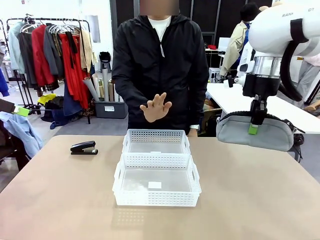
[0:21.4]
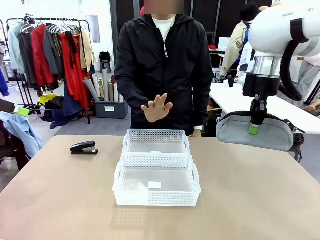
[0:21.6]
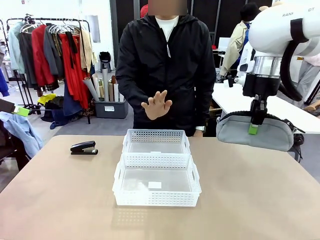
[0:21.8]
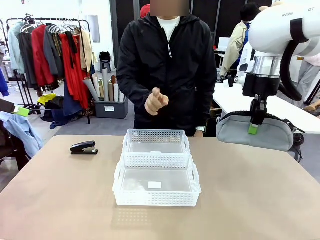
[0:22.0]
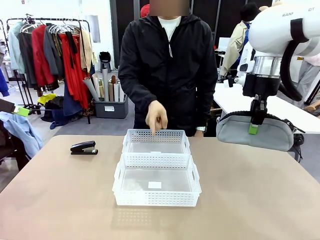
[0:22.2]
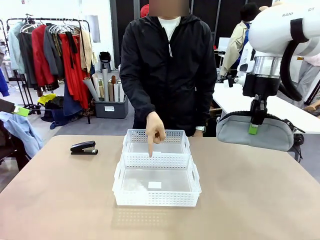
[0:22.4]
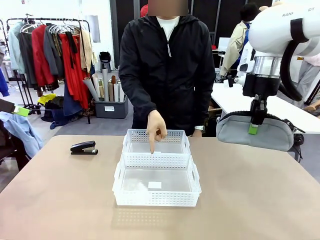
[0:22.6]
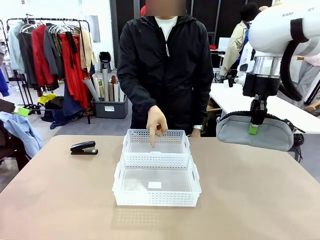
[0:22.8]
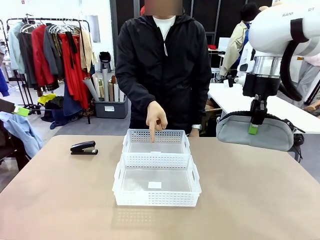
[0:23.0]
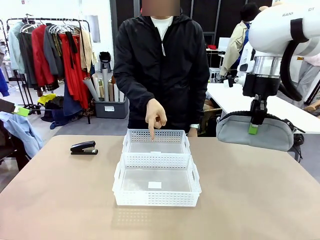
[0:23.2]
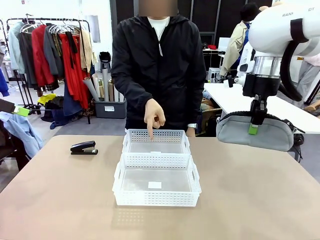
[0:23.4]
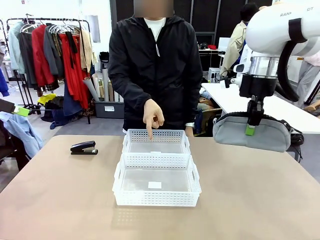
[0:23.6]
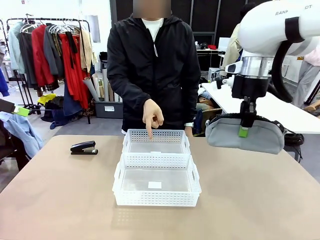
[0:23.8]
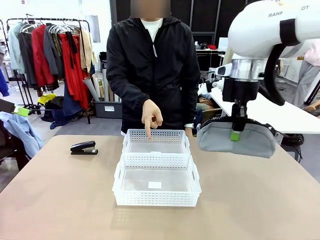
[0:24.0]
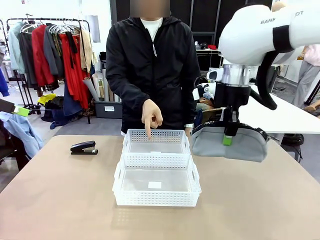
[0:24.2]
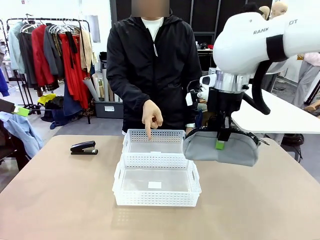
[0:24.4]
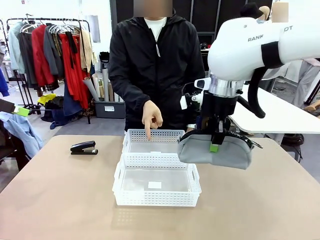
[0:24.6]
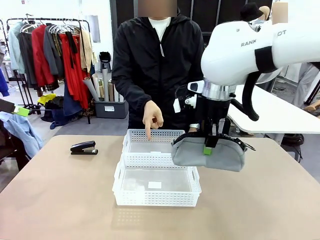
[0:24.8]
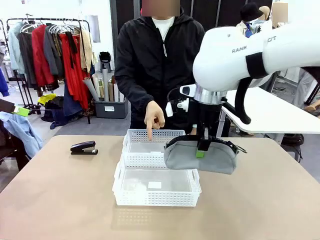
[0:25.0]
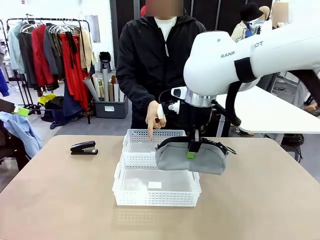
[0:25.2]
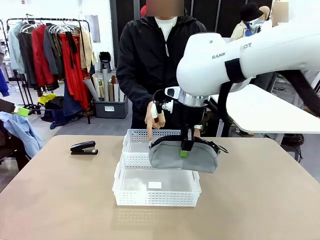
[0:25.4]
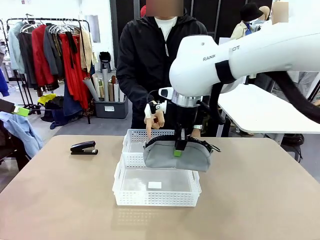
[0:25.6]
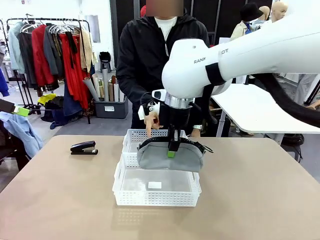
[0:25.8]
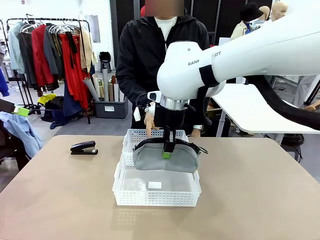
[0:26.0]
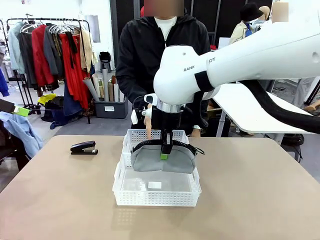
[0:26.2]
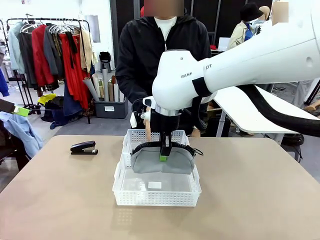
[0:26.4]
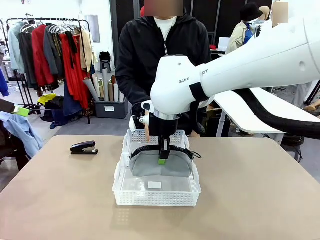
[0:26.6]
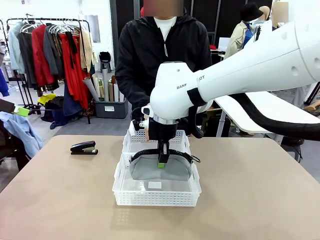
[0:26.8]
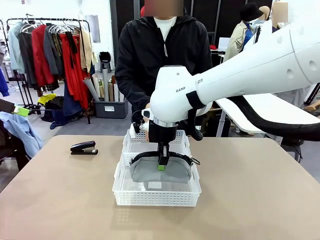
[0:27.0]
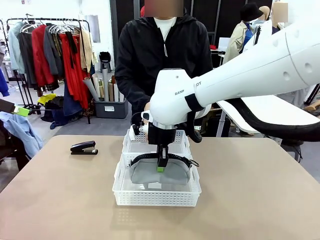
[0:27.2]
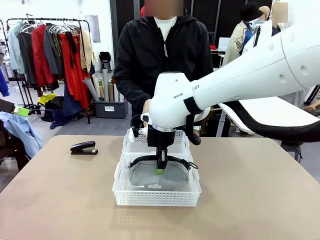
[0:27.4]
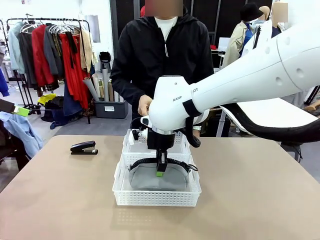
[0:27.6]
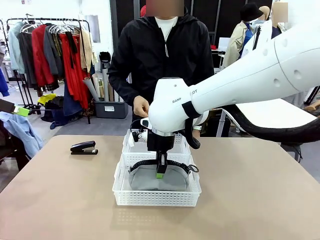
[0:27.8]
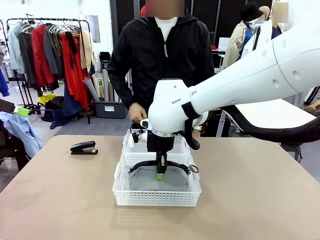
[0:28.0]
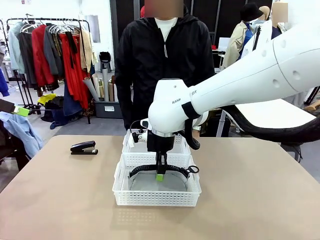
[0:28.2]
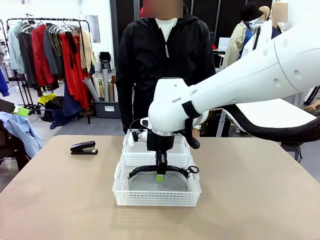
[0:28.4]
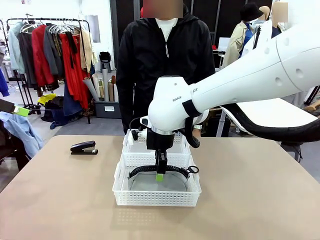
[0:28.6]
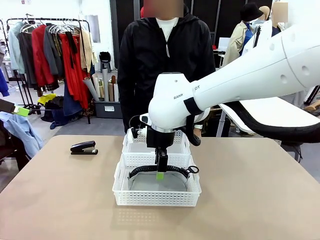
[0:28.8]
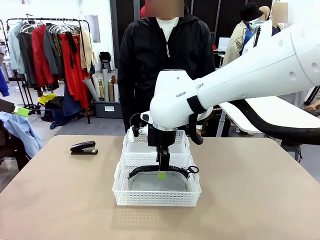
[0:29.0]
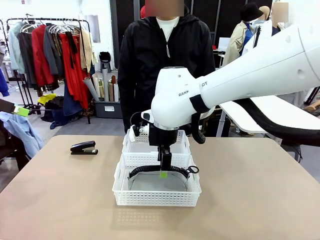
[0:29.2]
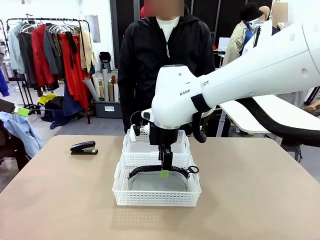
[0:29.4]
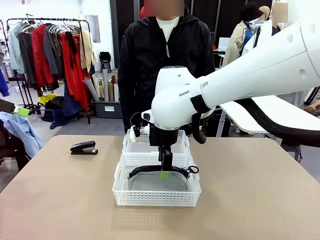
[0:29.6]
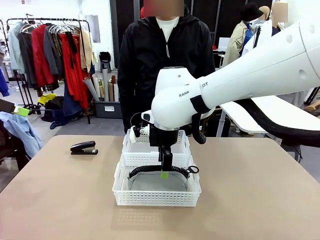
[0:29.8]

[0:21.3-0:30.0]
Task: Distribute items into two baskets.
Robot: Place the picked Pencil pouch into the Organizing basket as instructed by the person.
Person: Instructs the robot to place the pencil case into the opposite basket. Points to the stapler.

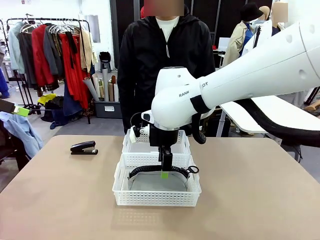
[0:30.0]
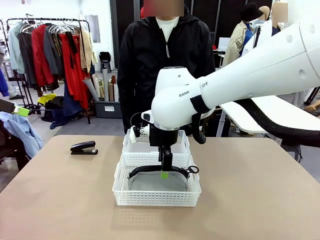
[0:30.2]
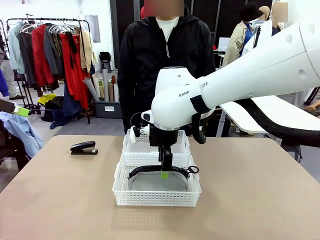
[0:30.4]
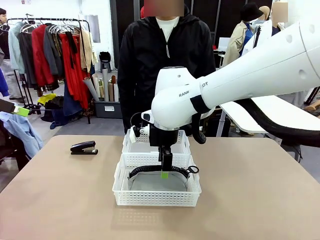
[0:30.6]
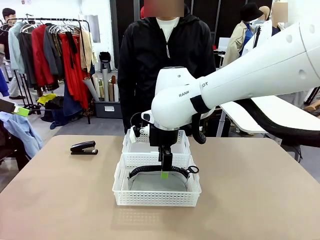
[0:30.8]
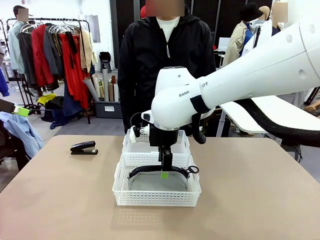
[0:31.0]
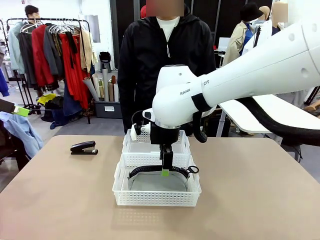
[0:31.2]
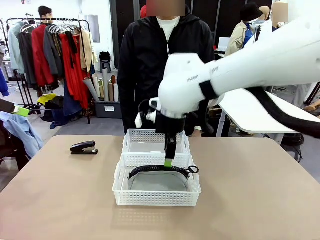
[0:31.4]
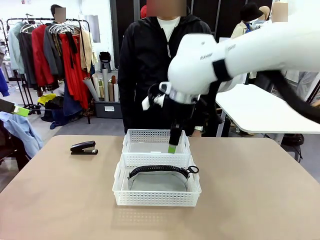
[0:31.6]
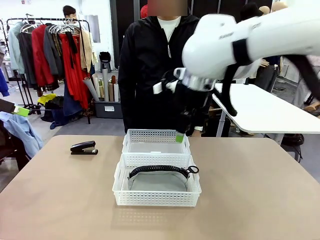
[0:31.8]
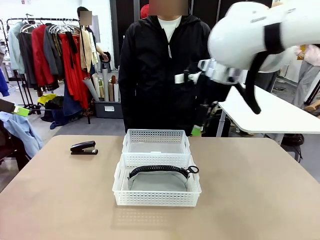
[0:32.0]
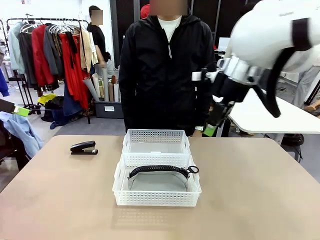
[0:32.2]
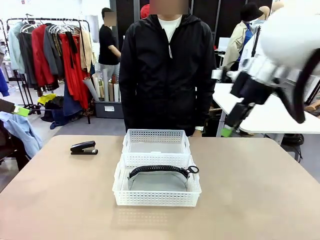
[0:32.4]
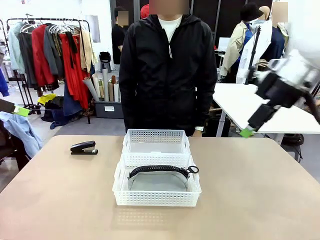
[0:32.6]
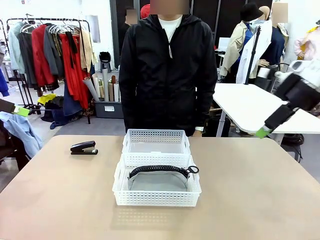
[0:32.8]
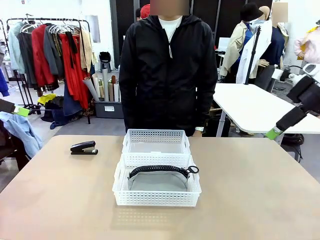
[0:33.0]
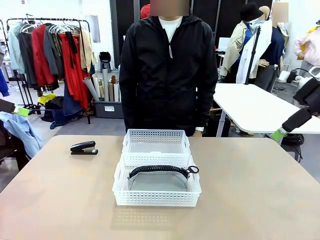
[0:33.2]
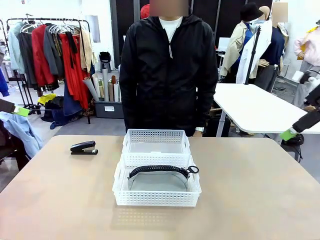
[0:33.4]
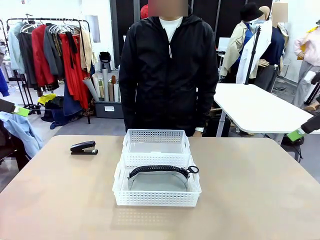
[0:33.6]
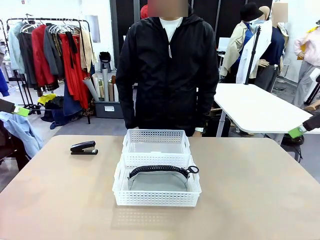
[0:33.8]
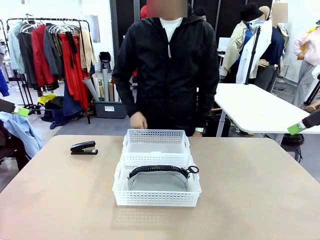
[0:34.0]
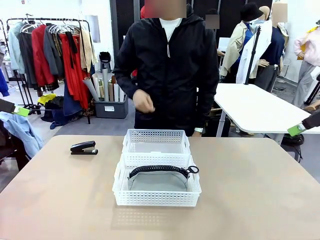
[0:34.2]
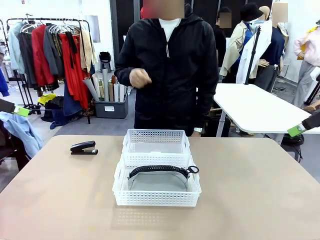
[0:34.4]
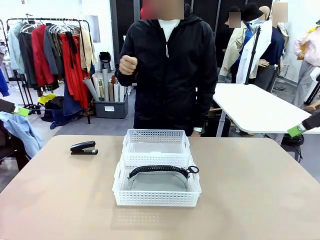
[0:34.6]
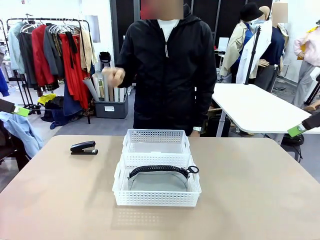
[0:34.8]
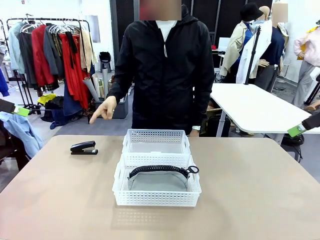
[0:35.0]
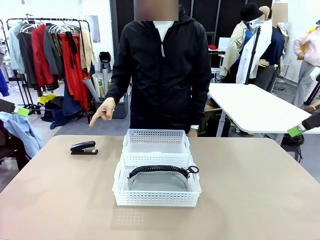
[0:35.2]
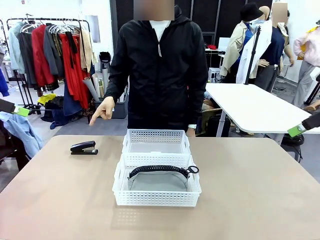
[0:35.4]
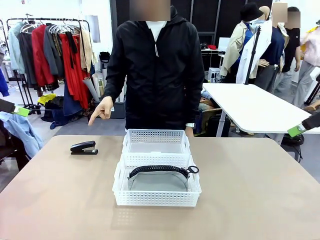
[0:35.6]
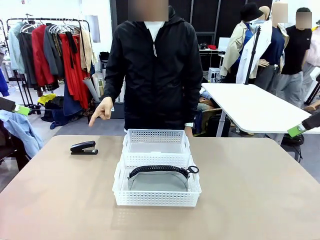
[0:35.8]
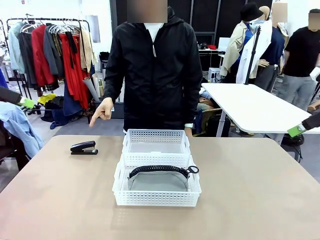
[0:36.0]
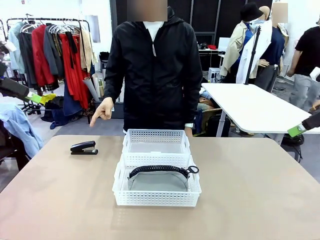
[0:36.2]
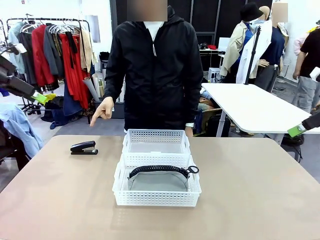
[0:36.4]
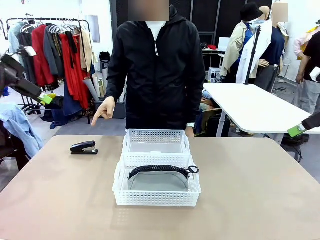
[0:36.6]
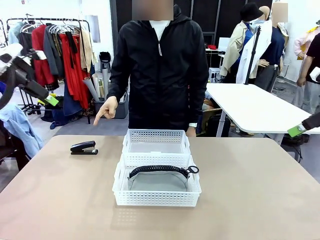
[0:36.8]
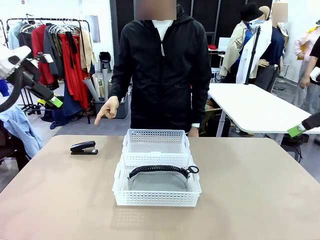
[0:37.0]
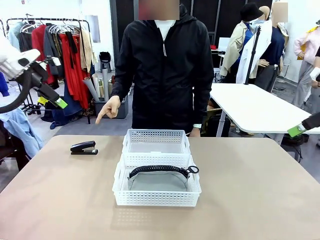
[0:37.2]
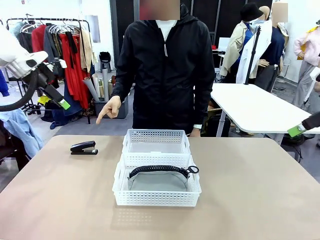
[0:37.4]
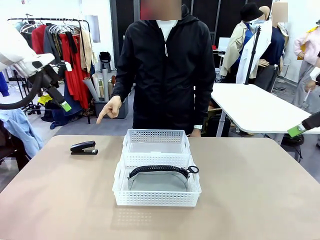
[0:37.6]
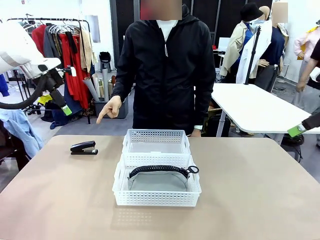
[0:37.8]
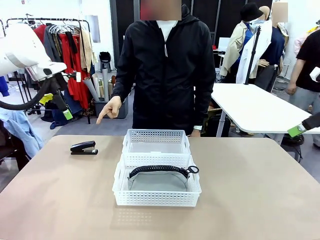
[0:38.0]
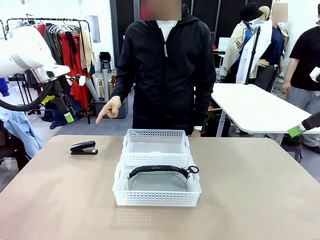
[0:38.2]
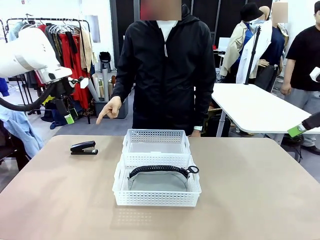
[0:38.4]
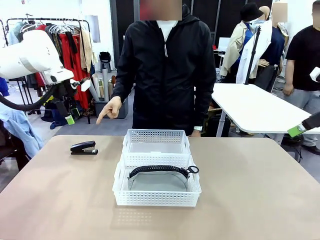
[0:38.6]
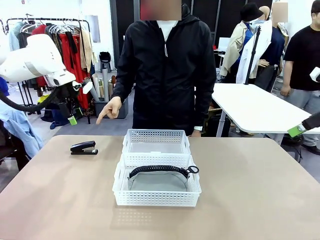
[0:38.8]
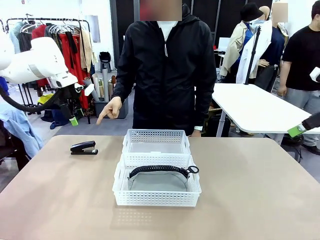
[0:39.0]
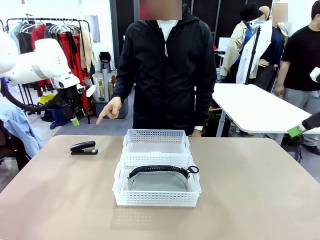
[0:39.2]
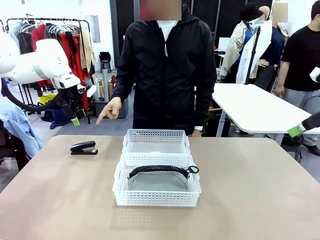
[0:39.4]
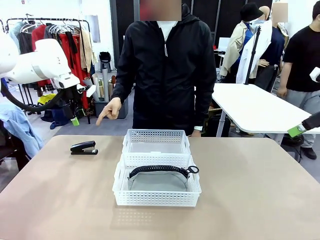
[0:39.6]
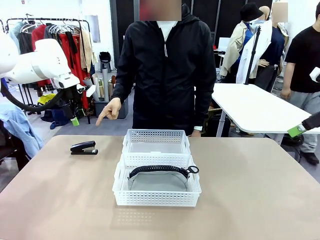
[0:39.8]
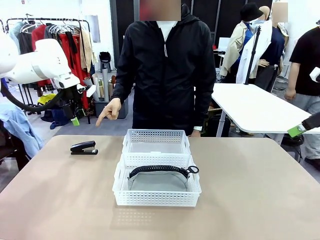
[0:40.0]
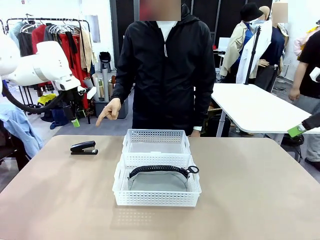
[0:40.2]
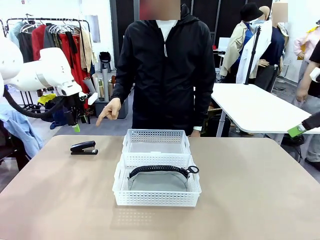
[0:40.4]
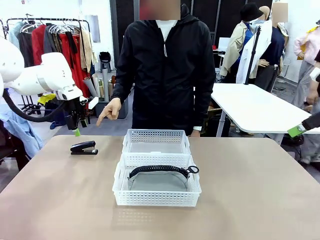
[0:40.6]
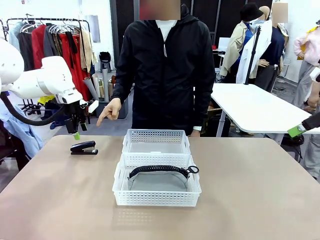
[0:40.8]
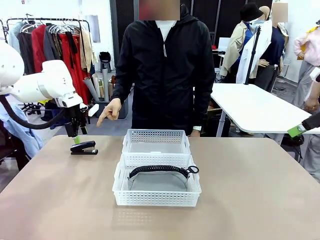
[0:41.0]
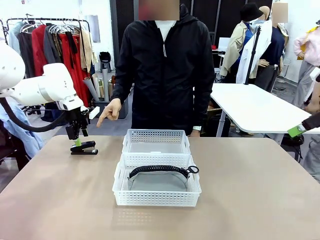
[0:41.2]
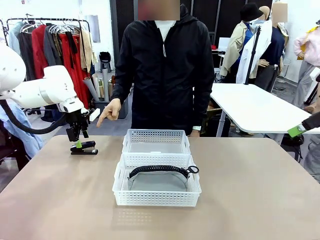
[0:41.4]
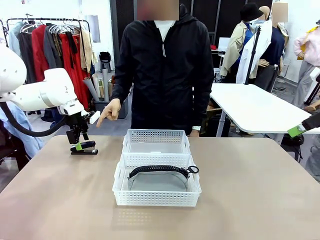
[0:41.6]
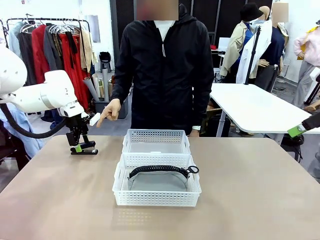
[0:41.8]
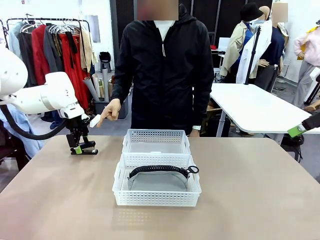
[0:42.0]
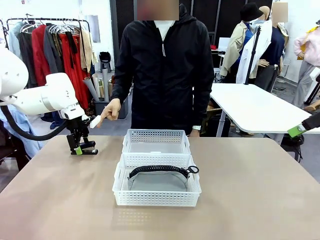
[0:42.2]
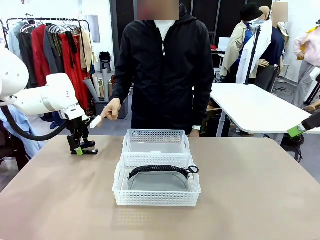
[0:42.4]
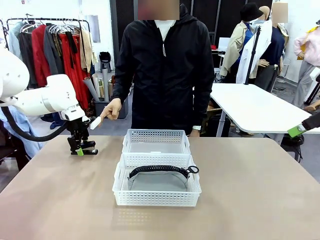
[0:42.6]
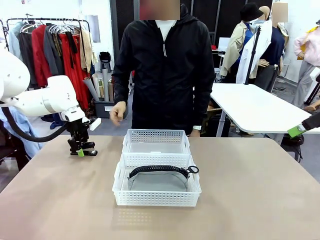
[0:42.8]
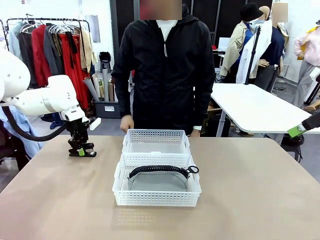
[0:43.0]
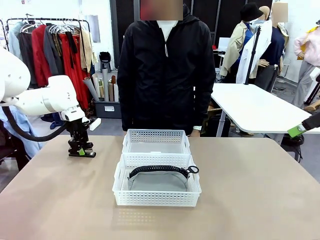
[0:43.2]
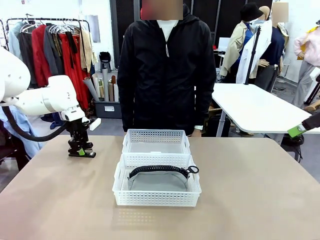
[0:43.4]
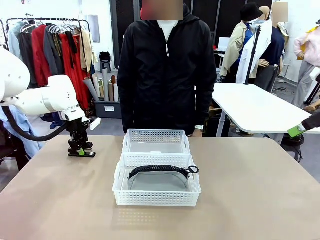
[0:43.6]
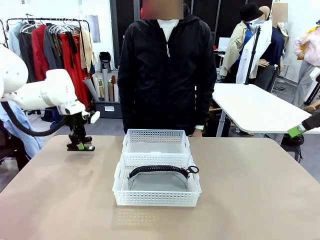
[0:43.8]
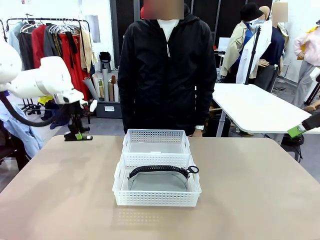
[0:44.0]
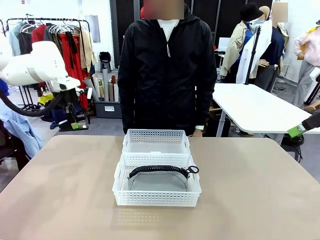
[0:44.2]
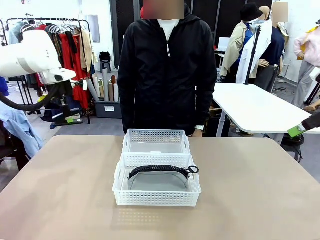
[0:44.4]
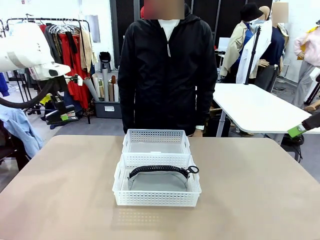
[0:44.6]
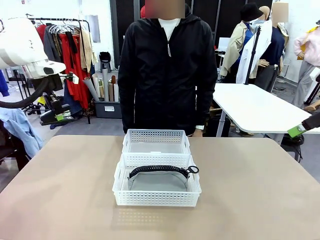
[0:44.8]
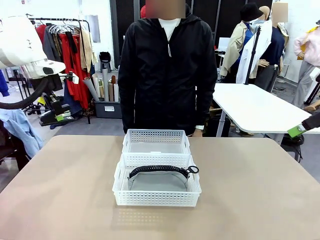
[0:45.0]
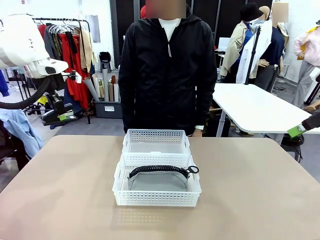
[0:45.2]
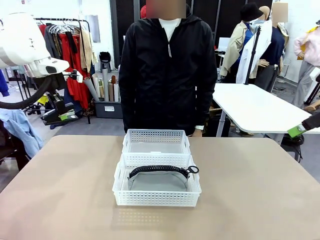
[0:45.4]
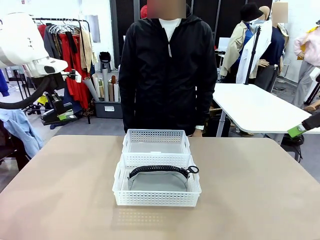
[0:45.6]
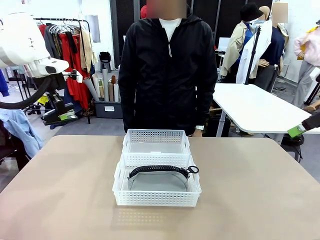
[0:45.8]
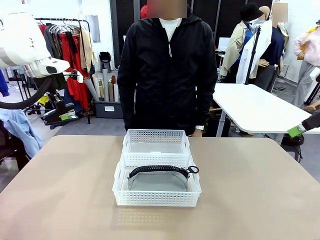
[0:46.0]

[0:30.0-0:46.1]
Robot: Pick up the Stapler that the person points to.
